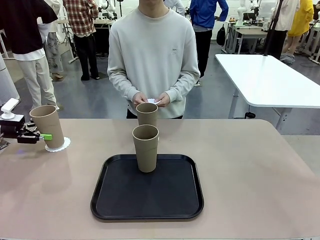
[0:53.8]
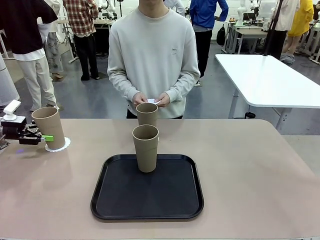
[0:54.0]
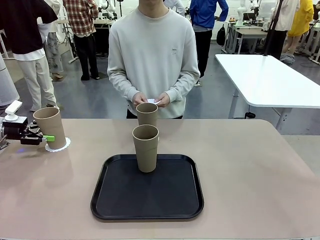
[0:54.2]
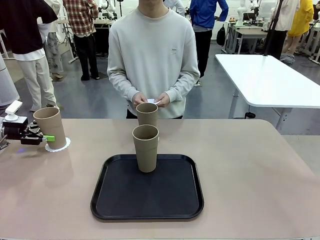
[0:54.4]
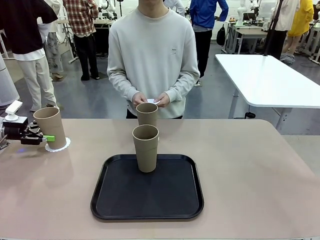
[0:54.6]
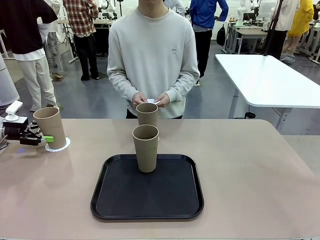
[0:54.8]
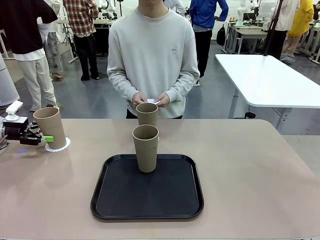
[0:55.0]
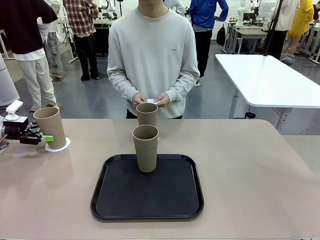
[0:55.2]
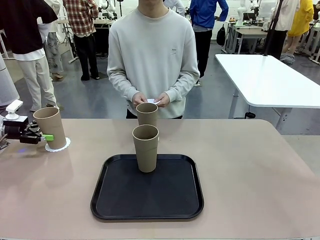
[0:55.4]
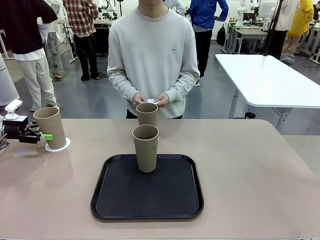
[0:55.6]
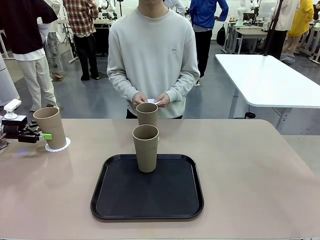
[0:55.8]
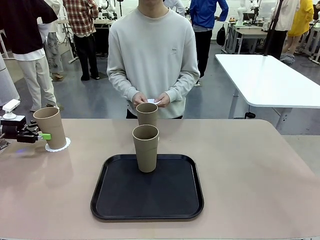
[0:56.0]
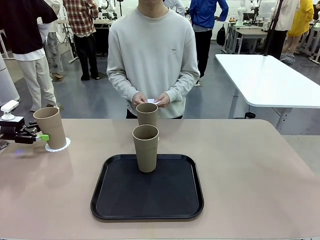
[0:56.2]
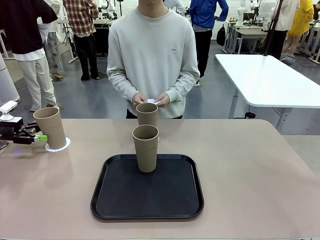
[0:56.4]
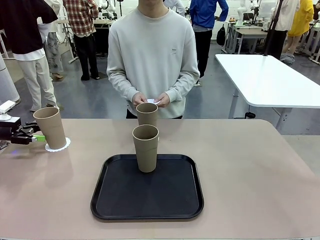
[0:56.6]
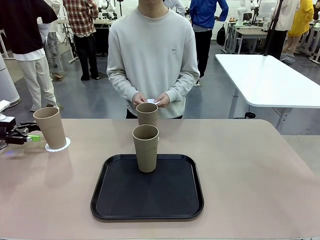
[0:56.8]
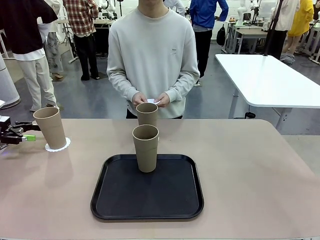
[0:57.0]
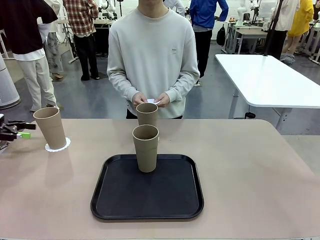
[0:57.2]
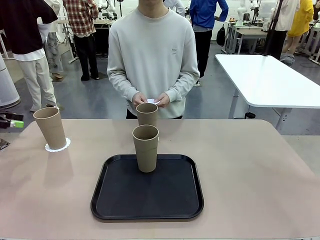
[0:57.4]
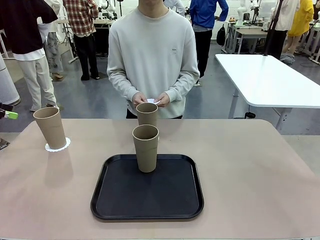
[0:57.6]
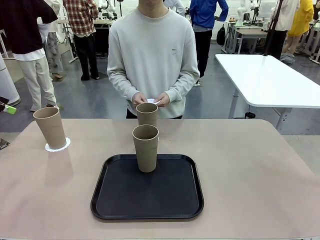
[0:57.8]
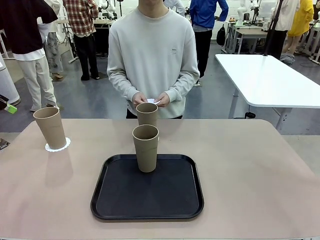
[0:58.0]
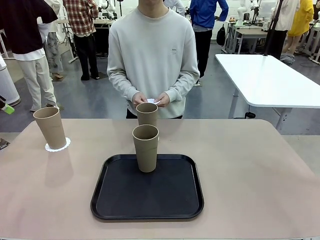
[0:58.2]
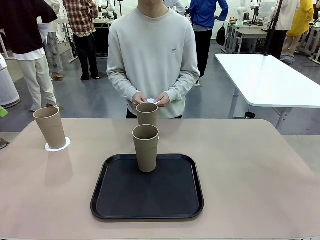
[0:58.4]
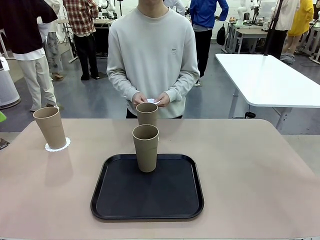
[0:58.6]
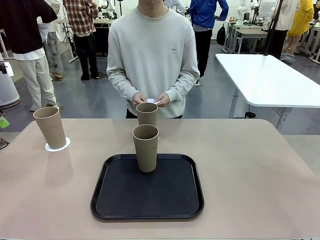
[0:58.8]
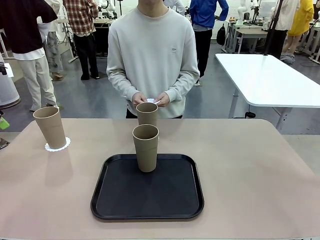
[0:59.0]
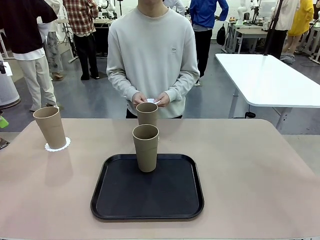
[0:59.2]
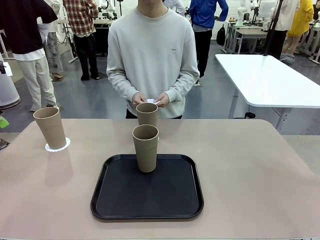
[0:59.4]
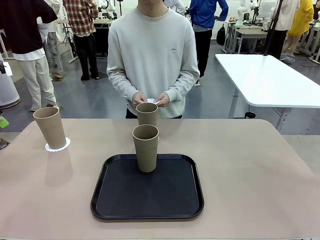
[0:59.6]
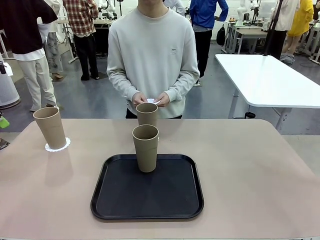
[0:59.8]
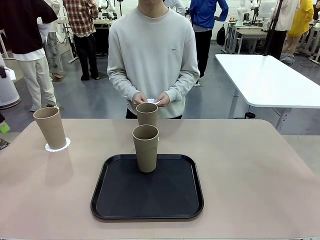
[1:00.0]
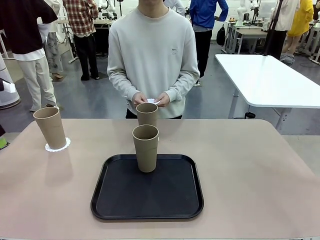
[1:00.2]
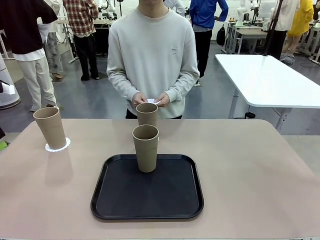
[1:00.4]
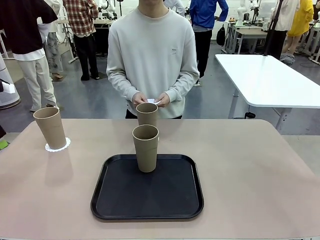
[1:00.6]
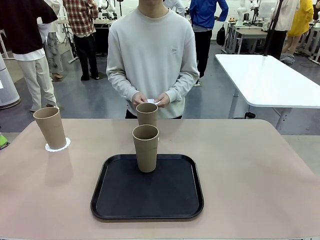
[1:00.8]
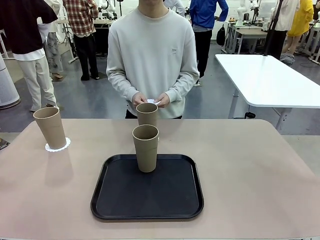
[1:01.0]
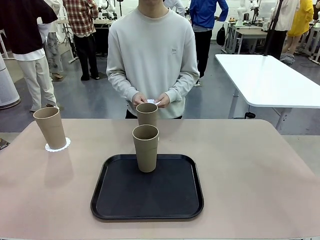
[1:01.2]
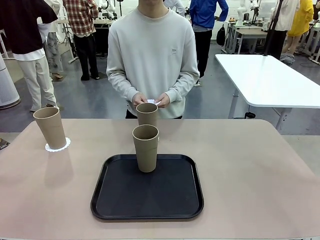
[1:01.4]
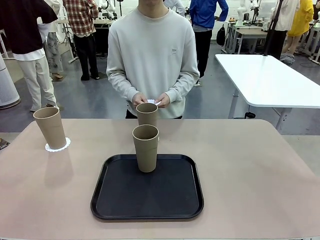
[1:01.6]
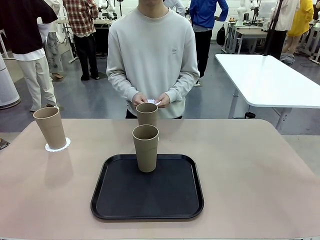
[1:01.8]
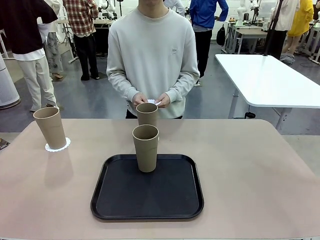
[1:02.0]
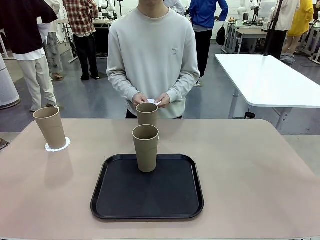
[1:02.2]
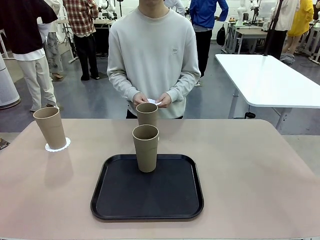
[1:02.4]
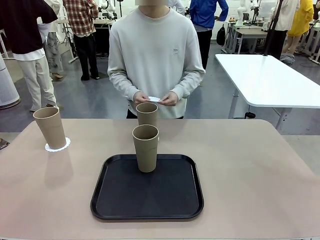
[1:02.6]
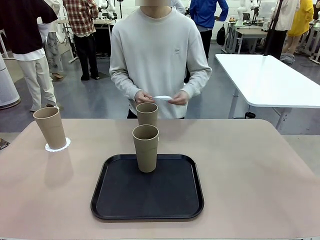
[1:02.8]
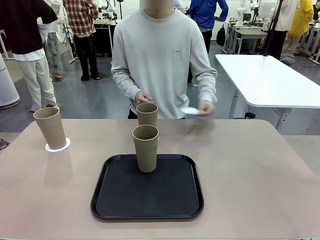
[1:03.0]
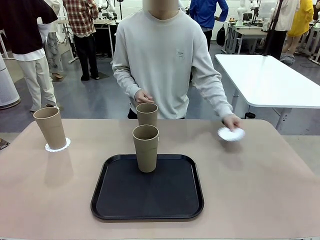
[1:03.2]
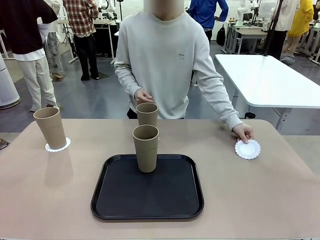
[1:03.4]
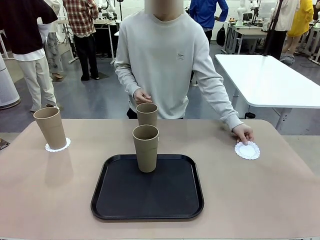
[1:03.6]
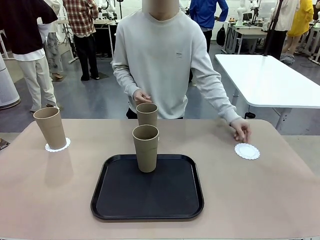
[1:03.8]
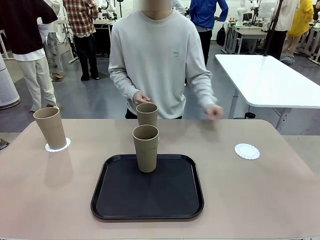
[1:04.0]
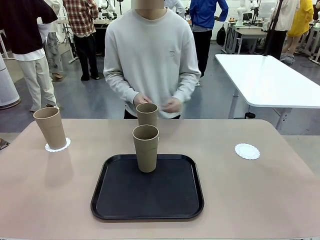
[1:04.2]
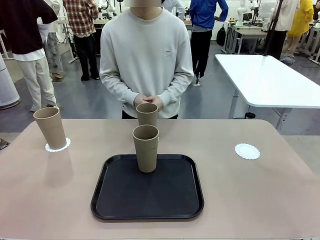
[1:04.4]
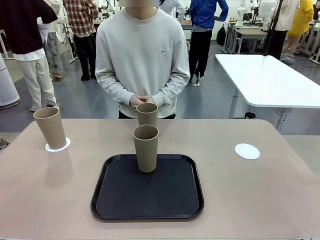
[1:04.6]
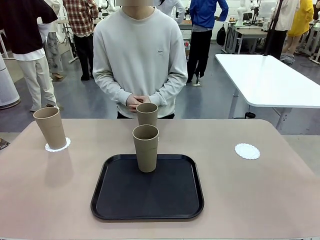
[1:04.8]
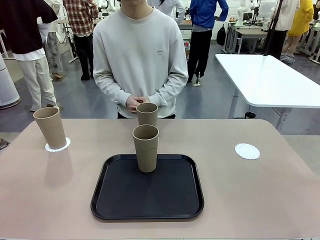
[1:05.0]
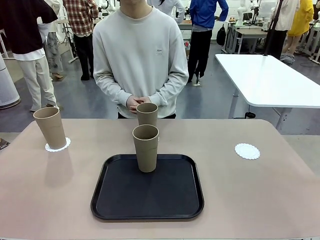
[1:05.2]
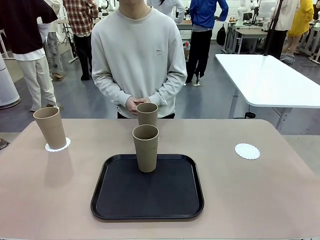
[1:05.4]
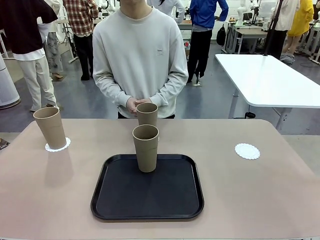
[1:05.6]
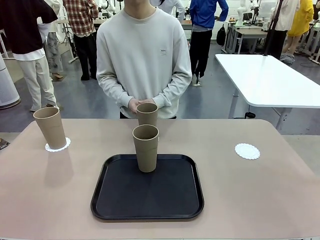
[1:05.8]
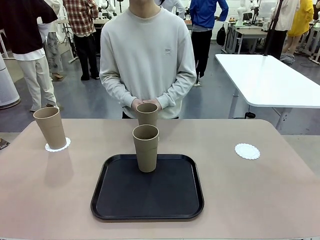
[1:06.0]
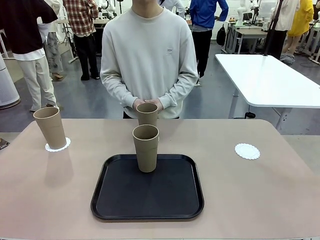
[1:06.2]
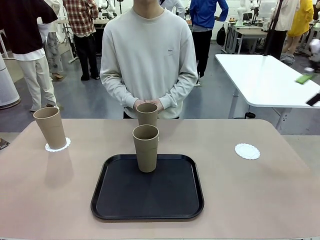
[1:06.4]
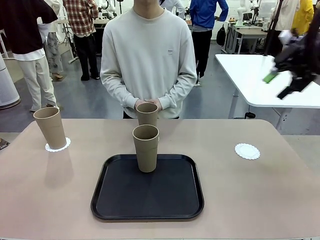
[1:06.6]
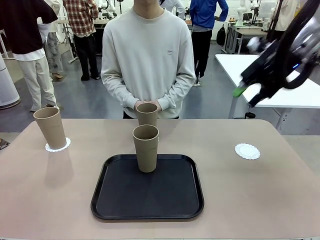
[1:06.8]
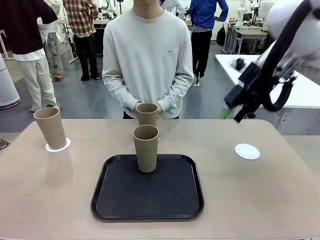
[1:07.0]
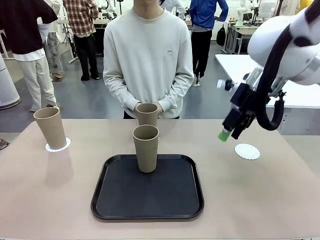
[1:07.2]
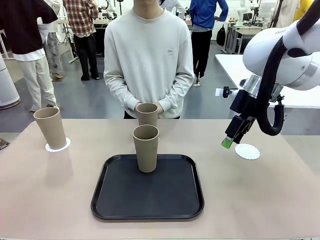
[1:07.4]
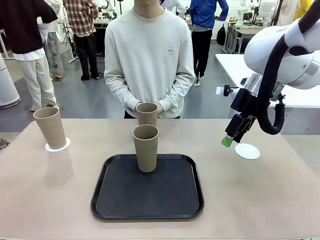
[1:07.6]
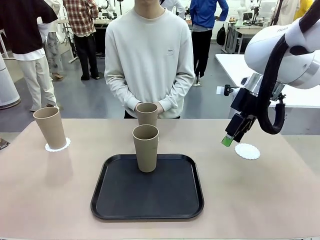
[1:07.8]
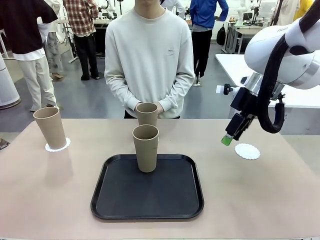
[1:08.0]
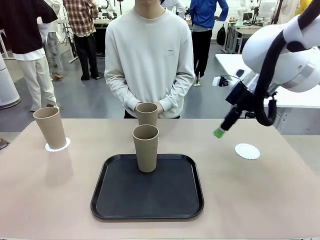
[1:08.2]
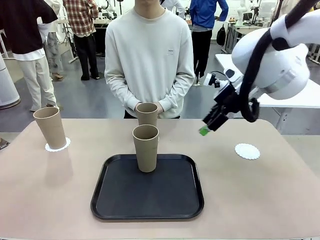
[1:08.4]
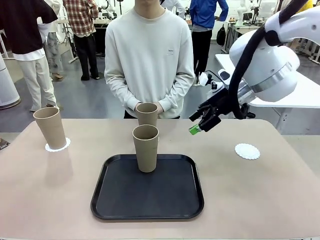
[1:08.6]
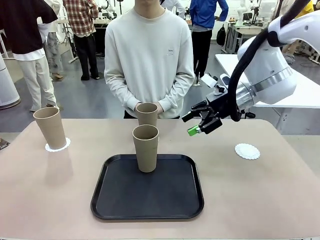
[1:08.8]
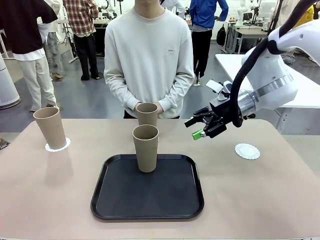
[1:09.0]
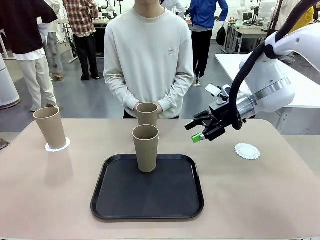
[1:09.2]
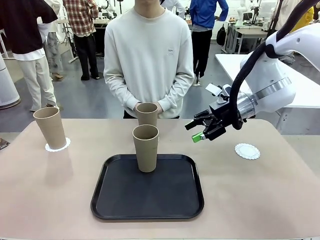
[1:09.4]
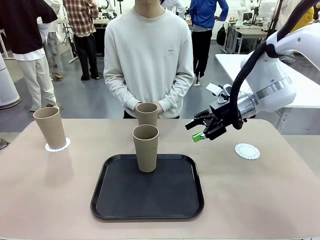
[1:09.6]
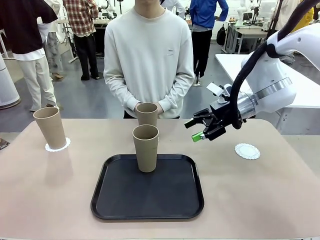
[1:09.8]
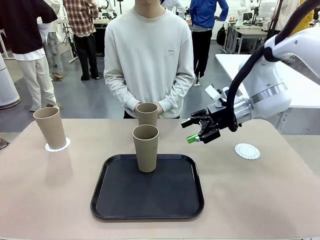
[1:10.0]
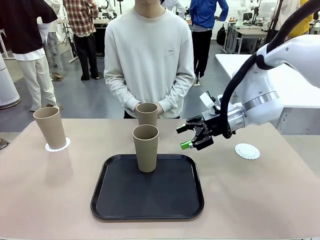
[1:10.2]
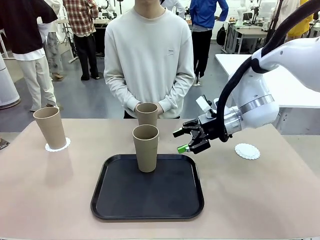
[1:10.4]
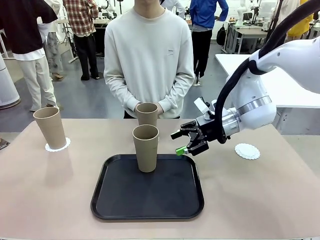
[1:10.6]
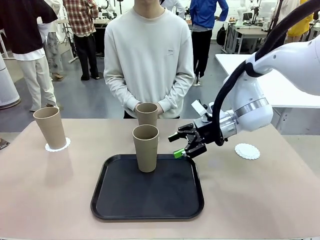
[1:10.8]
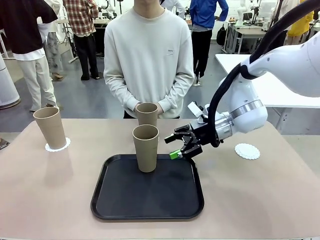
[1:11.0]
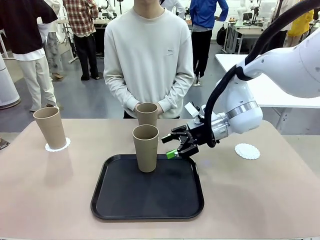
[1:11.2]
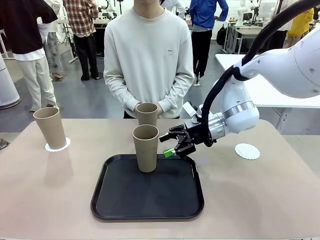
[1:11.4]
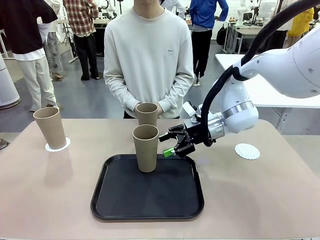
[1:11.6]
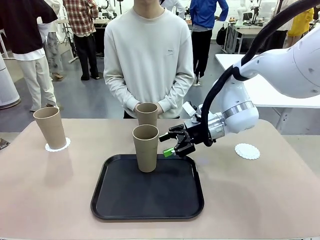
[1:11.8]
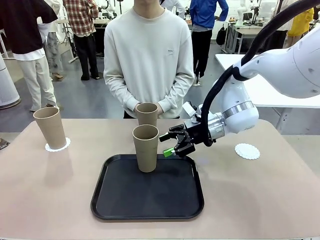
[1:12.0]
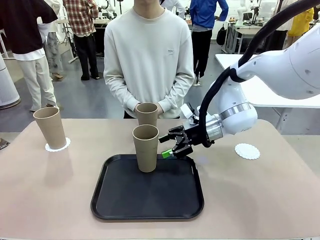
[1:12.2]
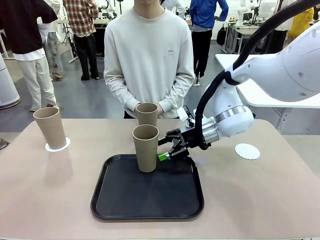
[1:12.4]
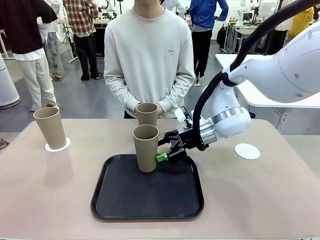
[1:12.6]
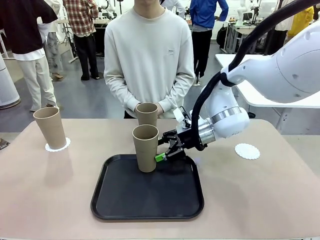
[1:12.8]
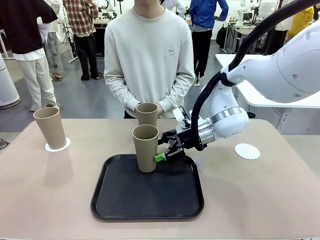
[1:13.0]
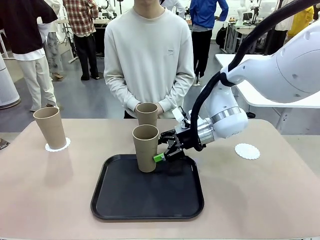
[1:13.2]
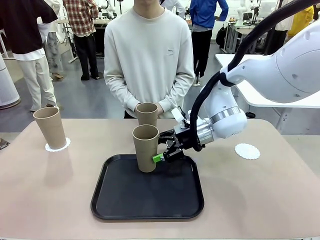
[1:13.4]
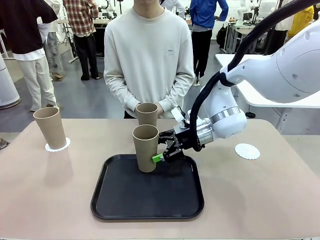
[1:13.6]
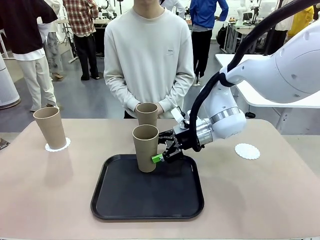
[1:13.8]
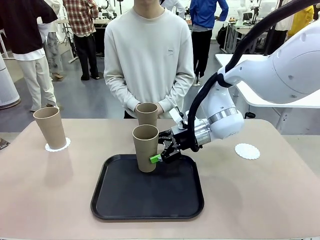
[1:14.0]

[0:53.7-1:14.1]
Task: Place coasters on the table and set cups on them.
Robot: Take one Reusable plastic cup from the Flat Tray and place it on a coaster set by the human.
